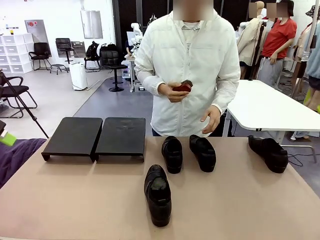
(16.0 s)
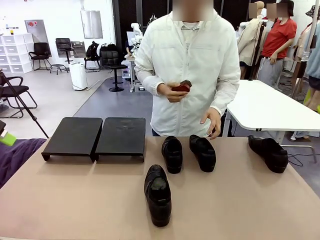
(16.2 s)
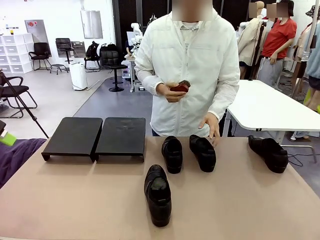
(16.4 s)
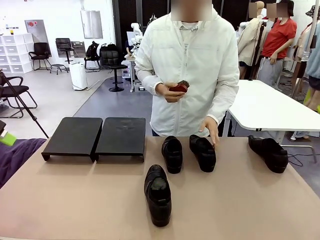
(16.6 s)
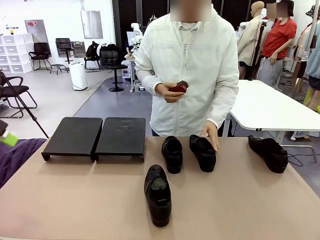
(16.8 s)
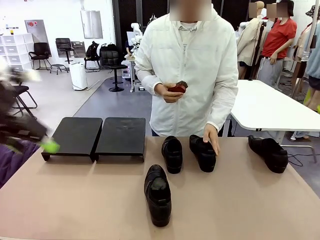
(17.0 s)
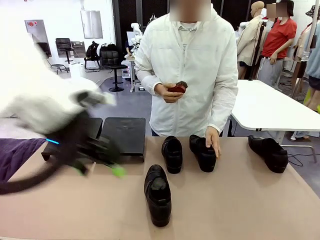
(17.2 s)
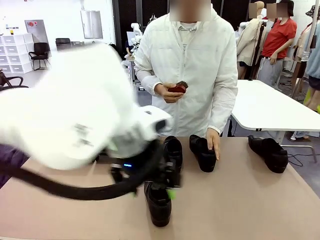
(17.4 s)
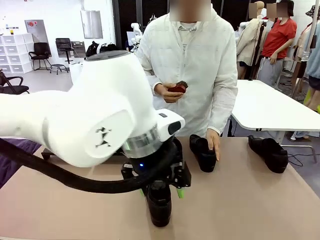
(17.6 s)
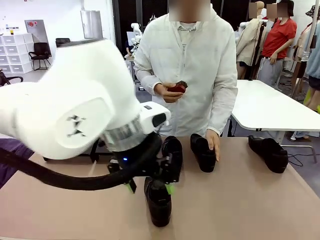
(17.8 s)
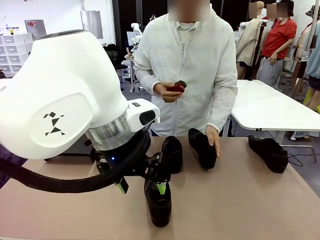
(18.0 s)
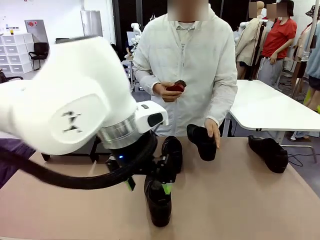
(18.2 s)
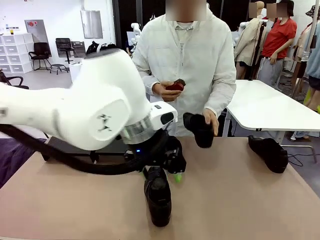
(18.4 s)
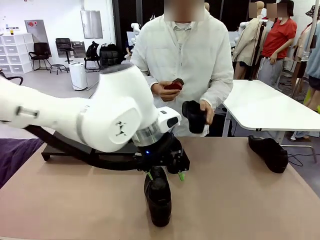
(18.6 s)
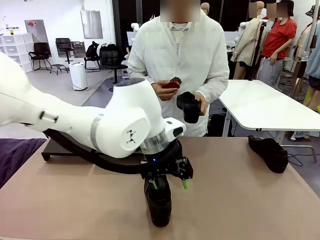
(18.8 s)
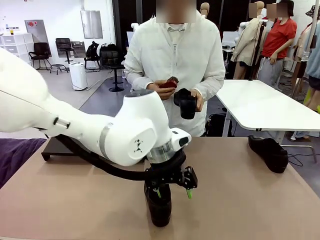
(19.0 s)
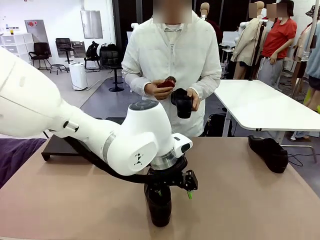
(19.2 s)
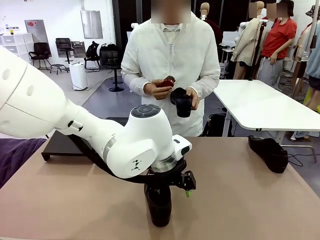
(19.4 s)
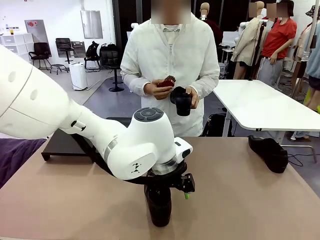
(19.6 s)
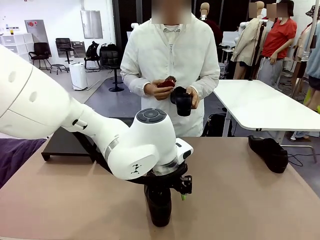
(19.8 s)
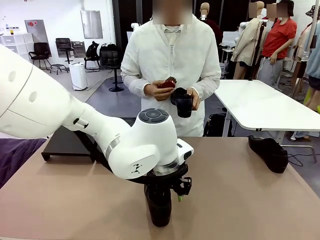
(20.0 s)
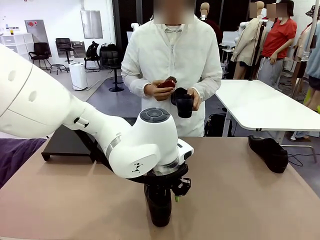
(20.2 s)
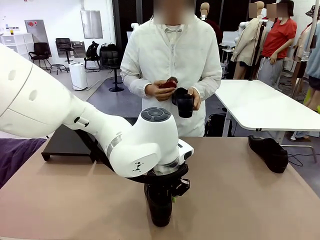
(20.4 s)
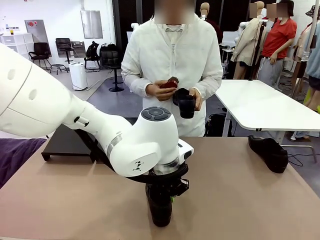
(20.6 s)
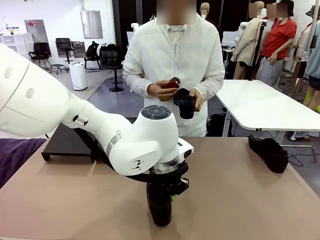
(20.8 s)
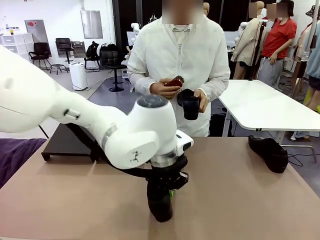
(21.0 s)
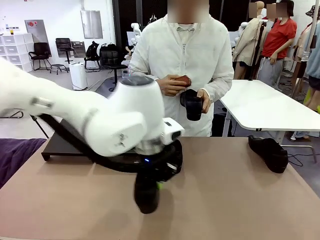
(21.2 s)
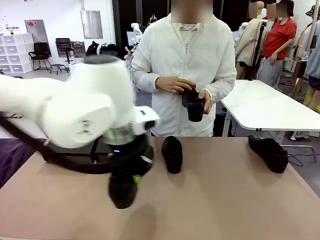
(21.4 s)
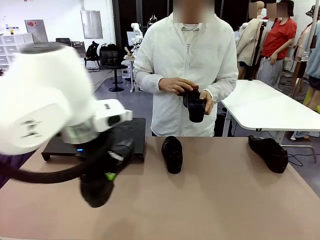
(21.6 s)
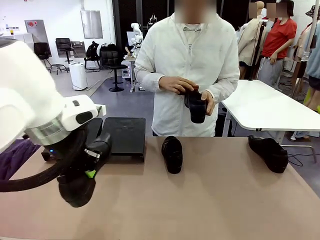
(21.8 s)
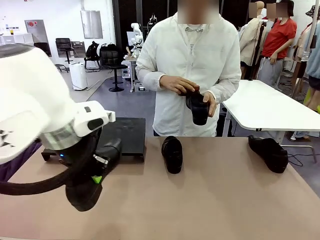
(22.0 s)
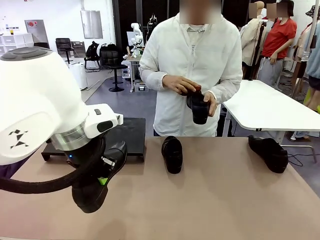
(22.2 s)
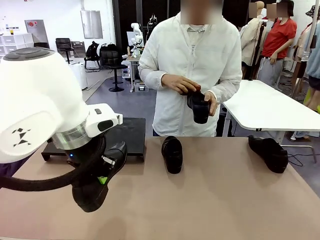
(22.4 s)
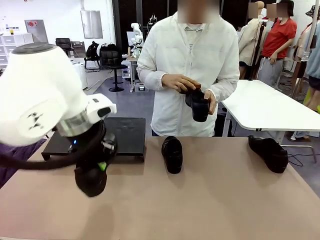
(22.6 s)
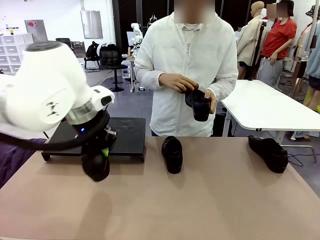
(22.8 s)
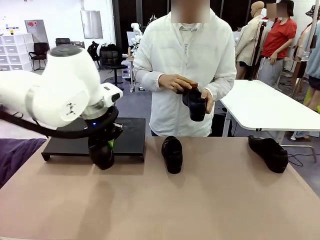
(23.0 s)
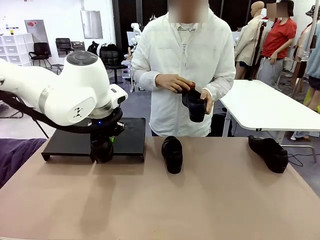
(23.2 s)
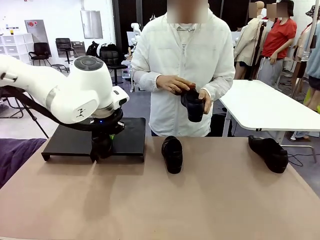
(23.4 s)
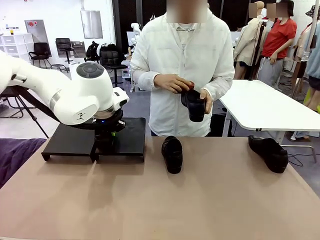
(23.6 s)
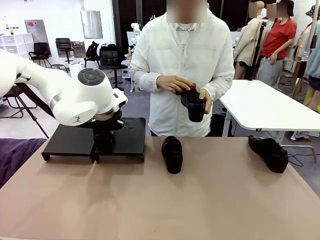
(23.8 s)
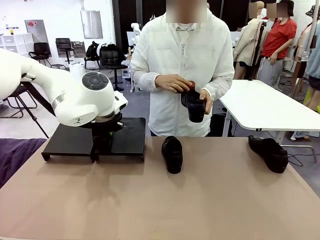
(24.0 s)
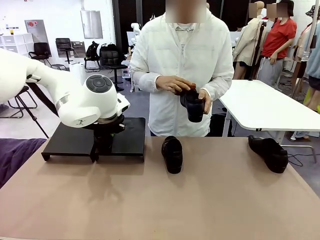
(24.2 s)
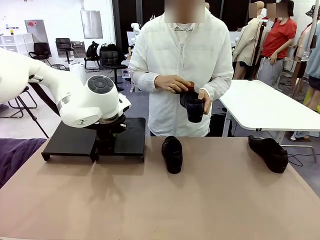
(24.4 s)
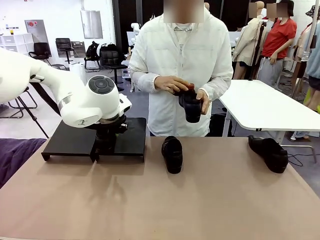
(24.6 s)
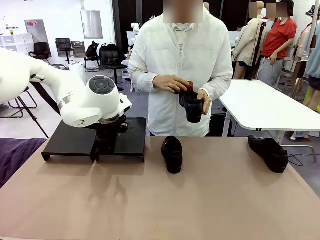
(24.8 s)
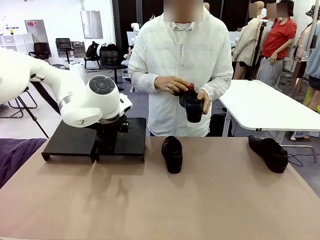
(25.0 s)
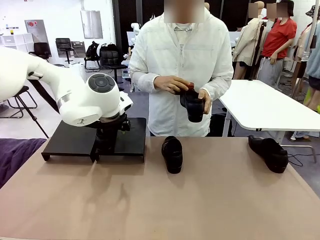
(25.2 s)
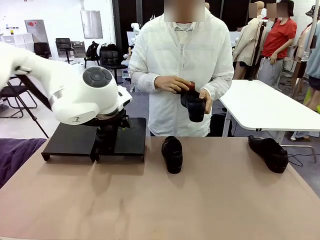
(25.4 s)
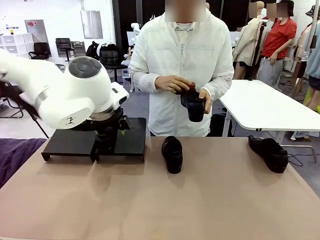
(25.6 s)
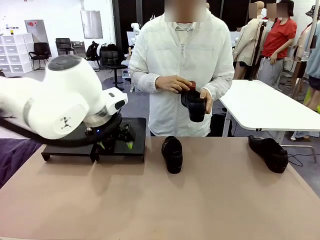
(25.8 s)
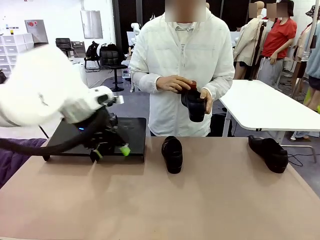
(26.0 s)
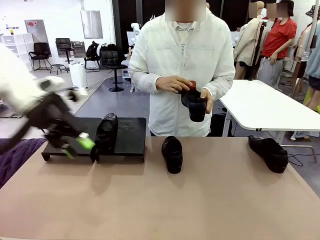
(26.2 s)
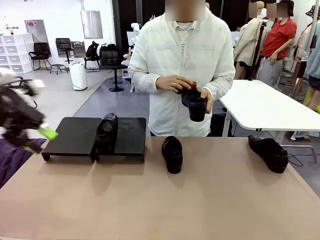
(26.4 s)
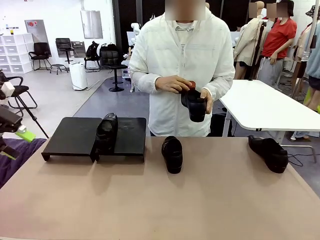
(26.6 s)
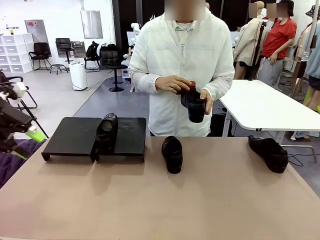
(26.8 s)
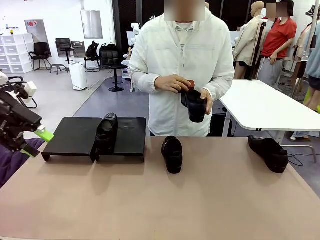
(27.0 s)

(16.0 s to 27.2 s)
Task: Organize the shoes by placing them on the stand.
Robot: Place the Shoe from the middle of the table onto the Shoes Stand.
Person: Pick one Shoe on Robot's table. Clean the Shoe with the Shoe Brush.

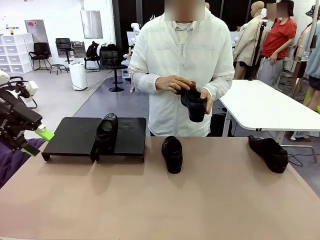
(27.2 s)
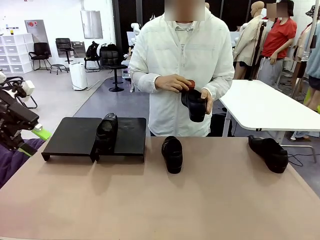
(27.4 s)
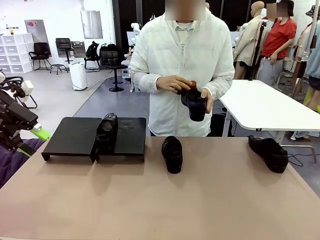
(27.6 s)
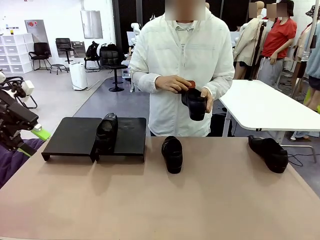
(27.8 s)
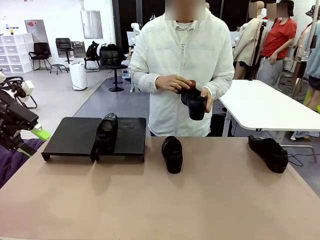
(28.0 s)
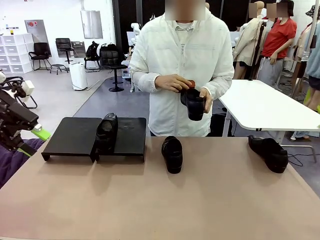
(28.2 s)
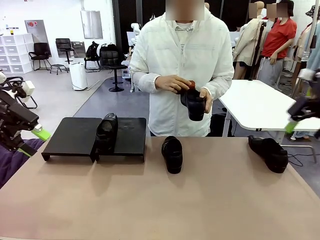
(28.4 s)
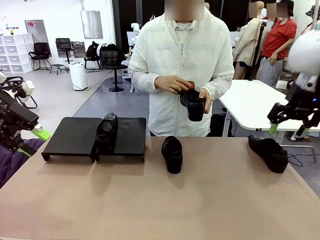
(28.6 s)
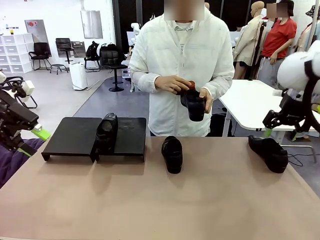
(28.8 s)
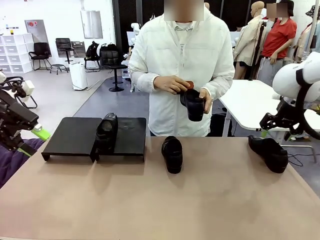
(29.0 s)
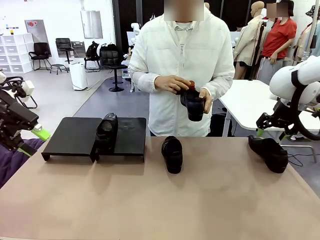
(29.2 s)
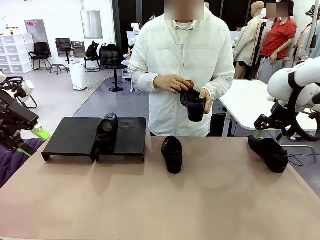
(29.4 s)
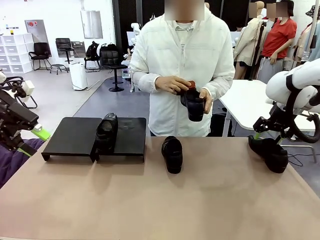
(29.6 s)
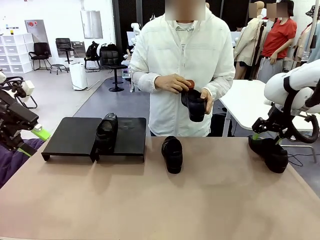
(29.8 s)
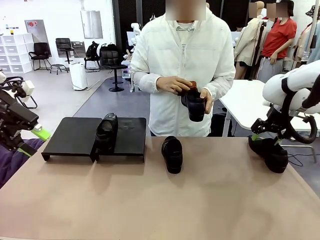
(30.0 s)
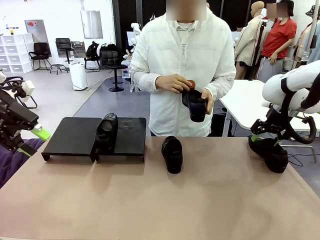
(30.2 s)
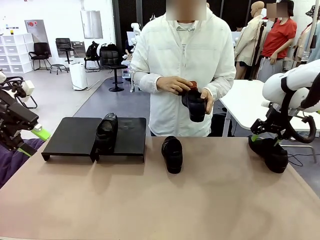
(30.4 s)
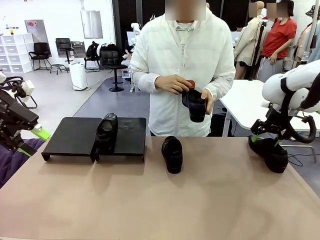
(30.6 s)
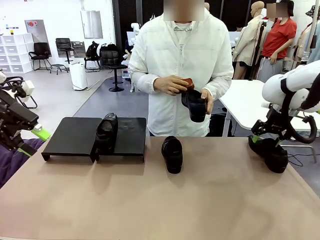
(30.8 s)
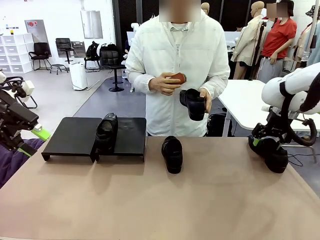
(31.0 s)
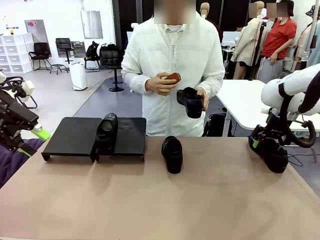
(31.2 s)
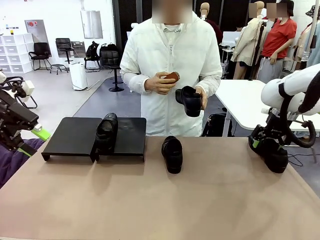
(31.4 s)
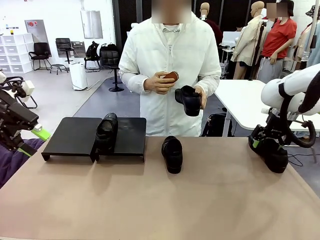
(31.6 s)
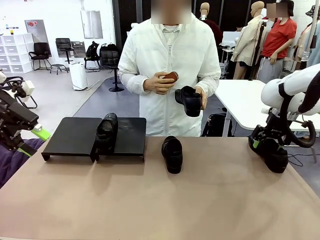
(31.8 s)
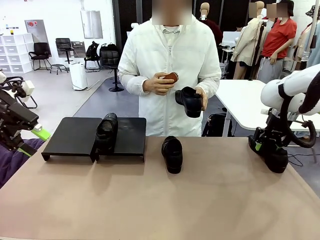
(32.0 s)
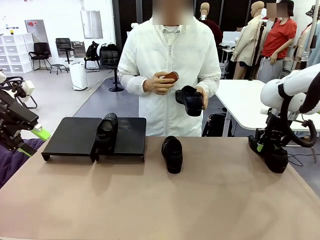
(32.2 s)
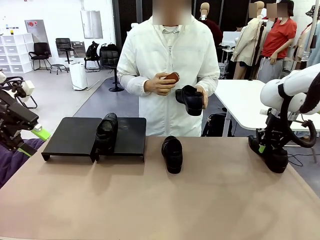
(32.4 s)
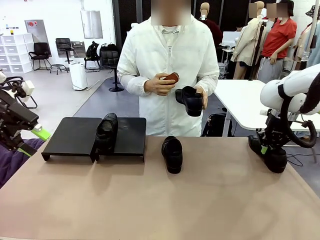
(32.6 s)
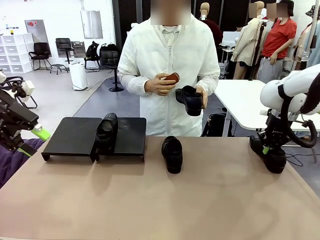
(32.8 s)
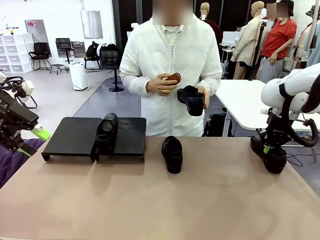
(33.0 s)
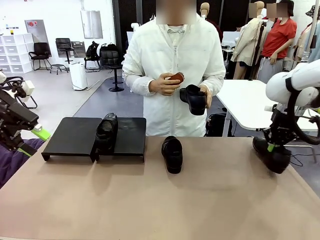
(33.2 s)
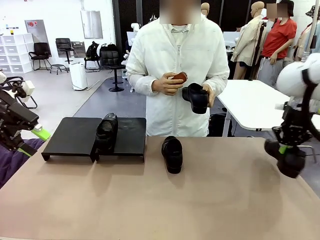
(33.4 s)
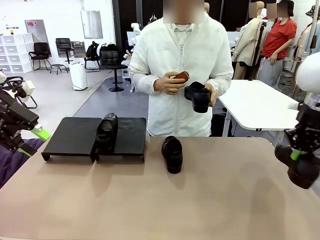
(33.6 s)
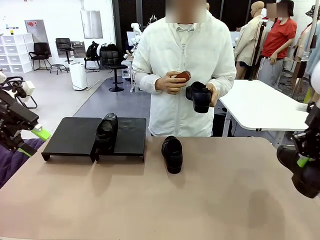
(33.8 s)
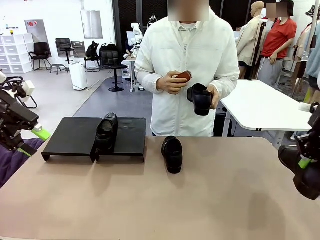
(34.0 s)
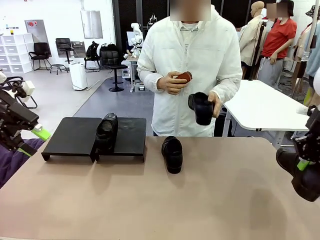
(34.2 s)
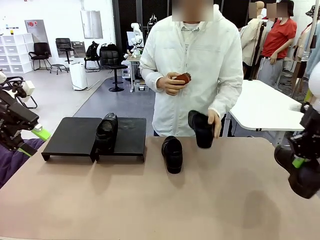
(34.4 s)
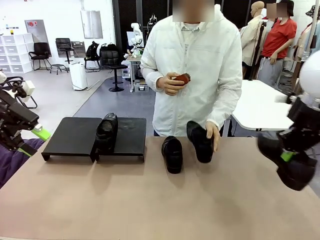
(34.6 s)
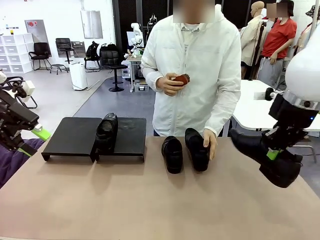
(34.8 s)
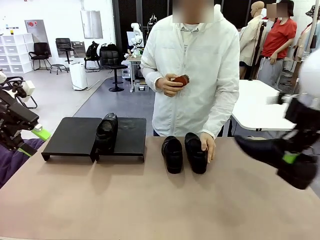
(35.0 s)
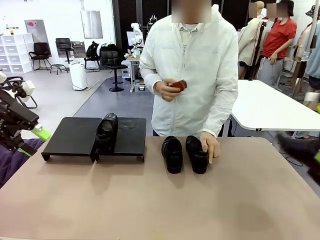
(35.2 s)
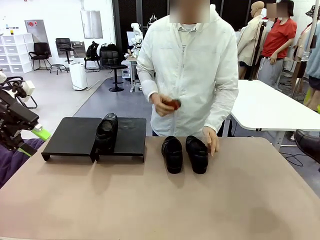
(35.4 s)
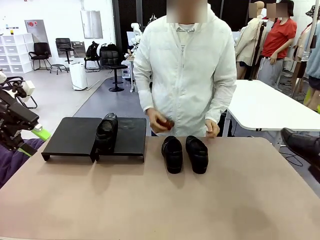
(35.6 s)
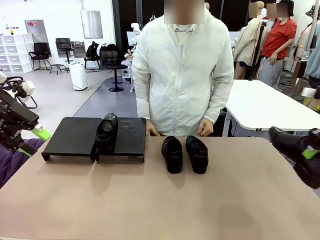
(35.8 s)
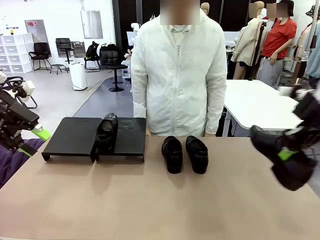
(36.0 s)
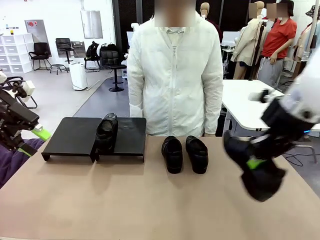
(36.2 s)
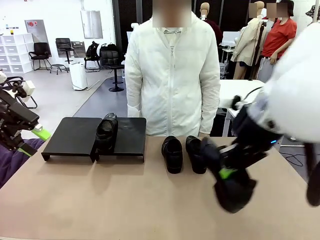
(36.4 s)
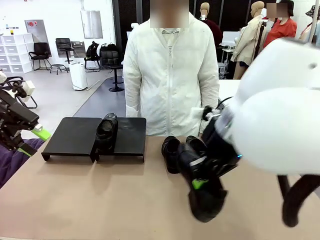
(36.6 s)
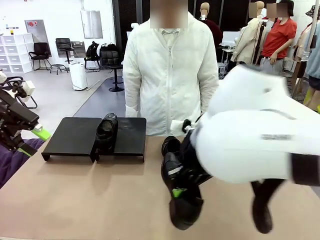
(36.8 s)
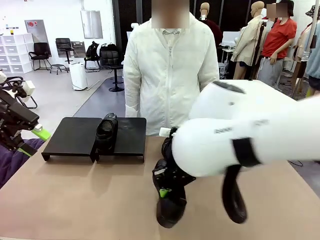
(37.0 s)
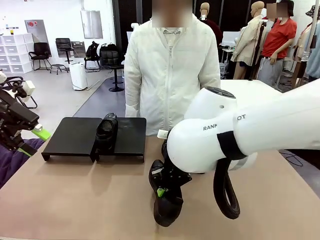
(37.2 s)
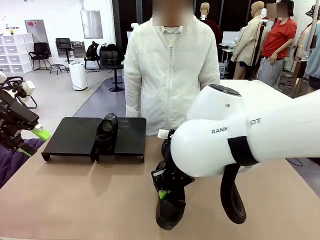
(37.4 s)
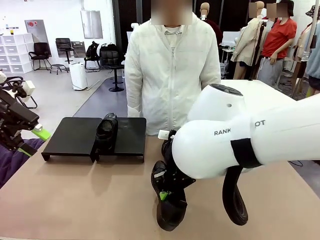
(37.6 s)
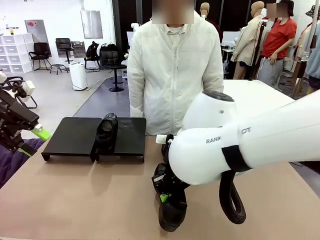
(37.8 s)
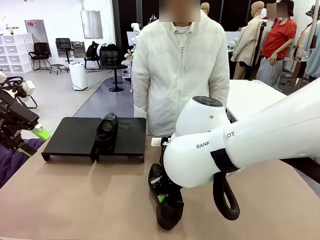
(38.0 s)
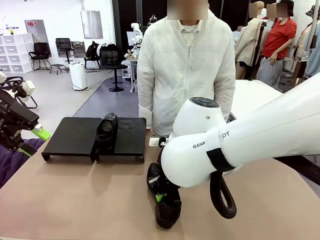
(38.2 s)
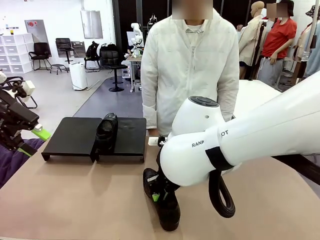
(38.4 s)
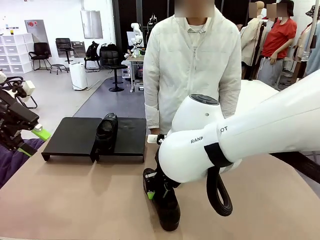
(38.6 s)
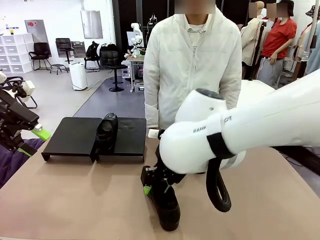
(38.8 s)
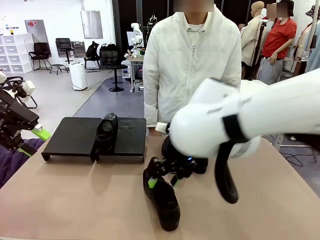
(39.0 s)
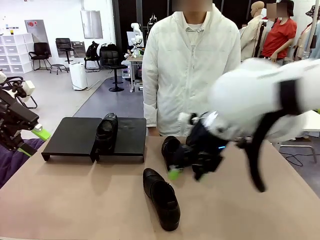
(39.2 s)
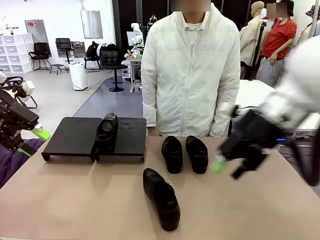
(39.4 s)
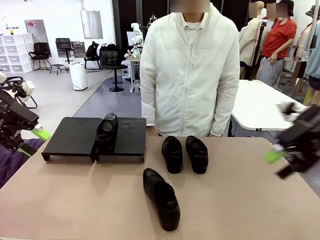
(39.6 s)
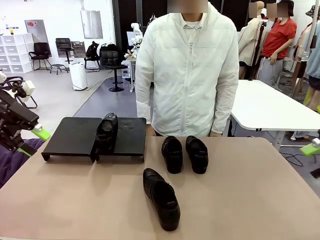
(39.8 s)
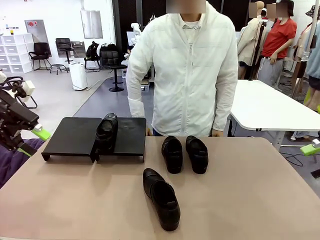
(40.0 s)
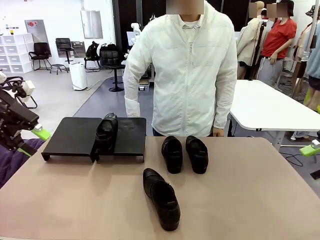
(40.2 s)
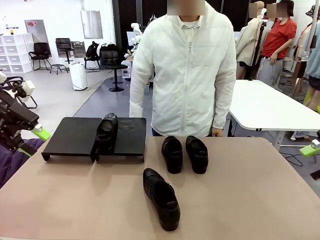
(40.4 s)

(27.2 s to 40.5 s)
Robot: Pick up one Shoe and place it in the middle of the table.
